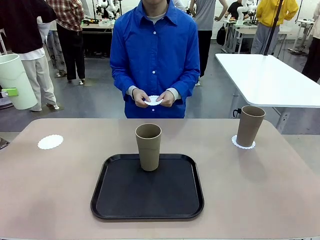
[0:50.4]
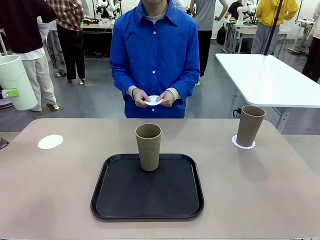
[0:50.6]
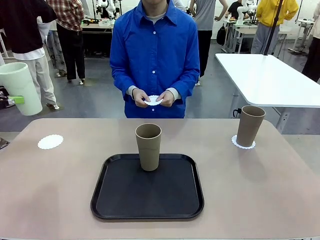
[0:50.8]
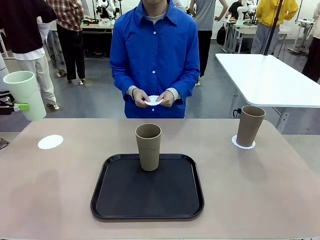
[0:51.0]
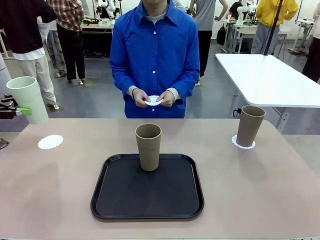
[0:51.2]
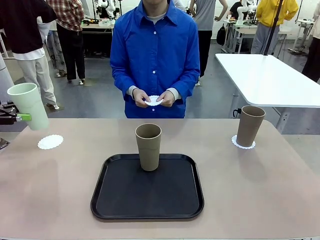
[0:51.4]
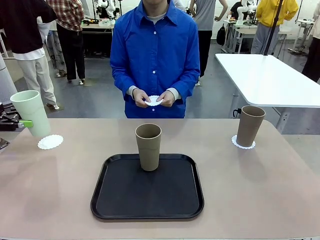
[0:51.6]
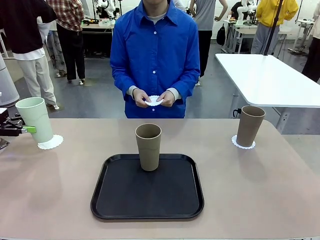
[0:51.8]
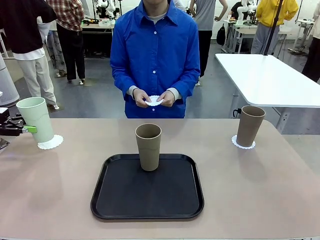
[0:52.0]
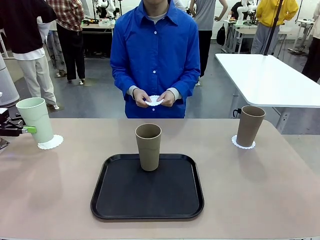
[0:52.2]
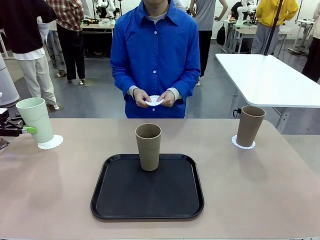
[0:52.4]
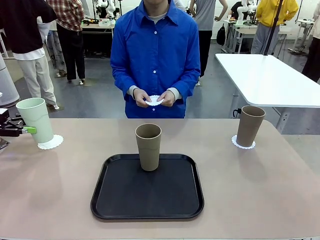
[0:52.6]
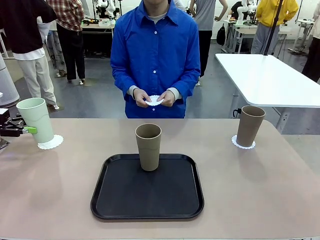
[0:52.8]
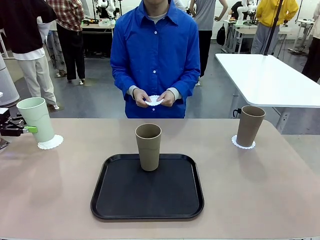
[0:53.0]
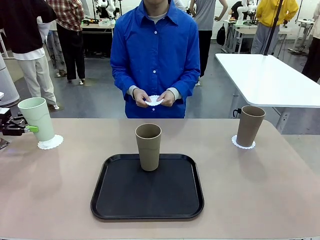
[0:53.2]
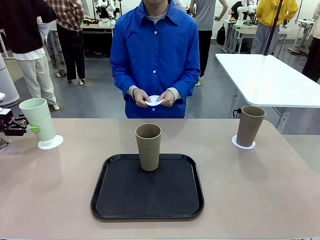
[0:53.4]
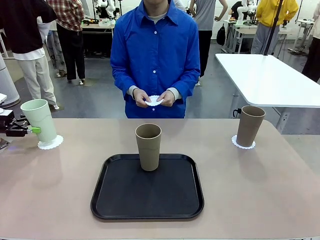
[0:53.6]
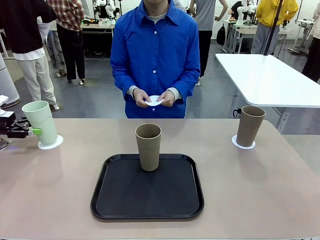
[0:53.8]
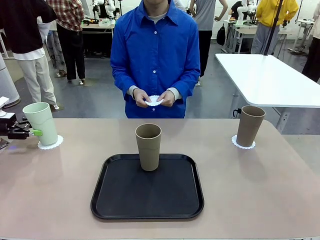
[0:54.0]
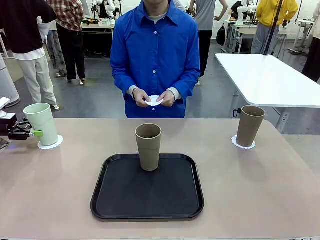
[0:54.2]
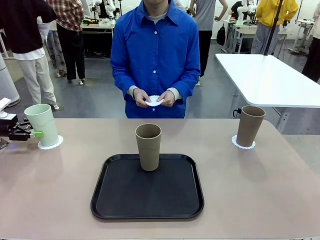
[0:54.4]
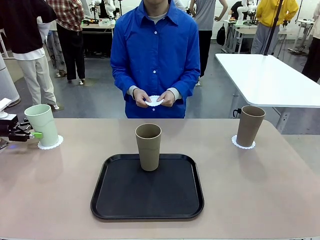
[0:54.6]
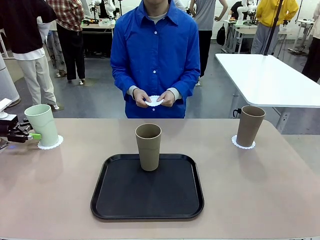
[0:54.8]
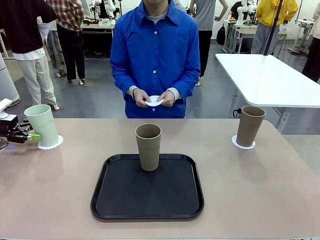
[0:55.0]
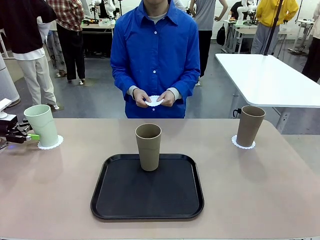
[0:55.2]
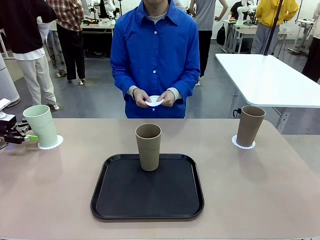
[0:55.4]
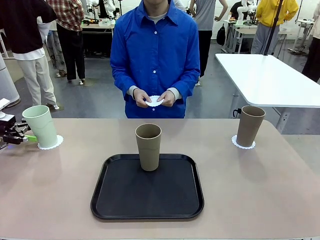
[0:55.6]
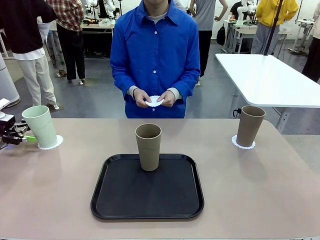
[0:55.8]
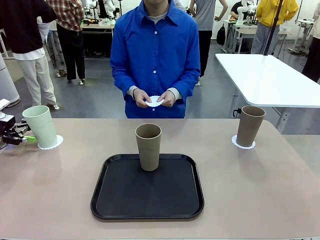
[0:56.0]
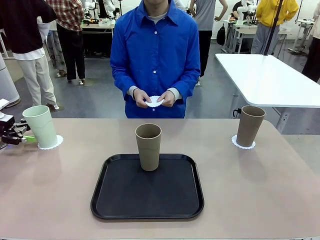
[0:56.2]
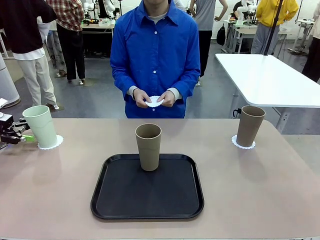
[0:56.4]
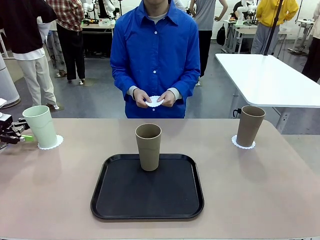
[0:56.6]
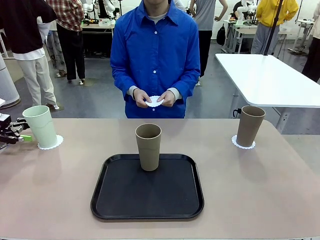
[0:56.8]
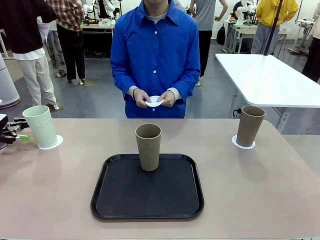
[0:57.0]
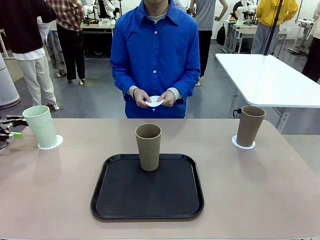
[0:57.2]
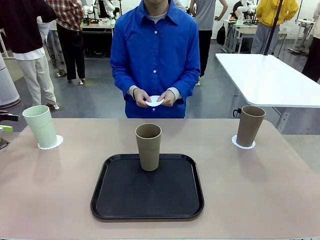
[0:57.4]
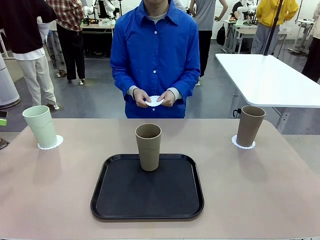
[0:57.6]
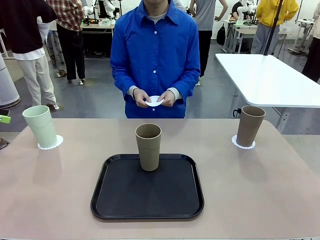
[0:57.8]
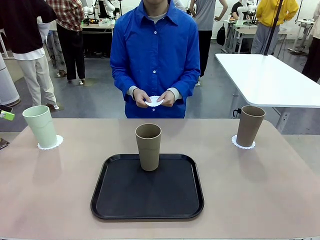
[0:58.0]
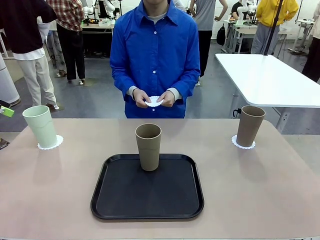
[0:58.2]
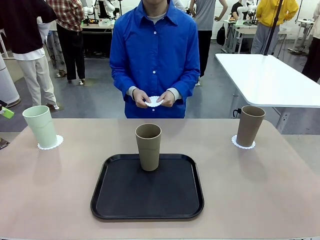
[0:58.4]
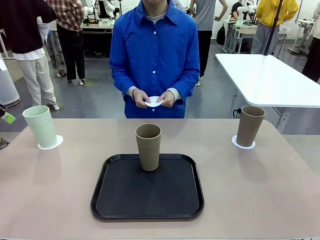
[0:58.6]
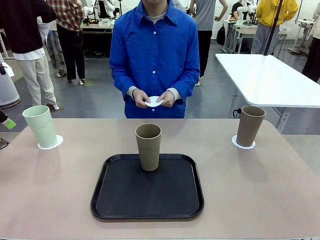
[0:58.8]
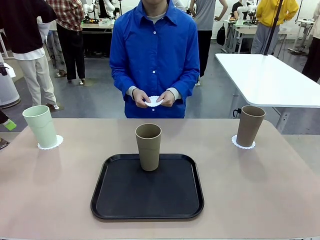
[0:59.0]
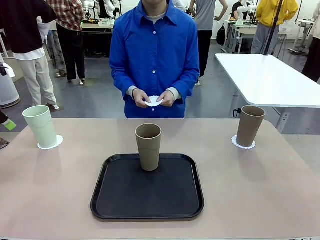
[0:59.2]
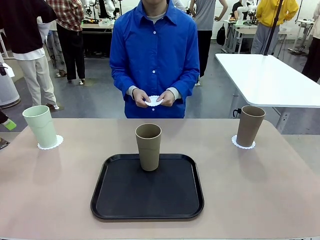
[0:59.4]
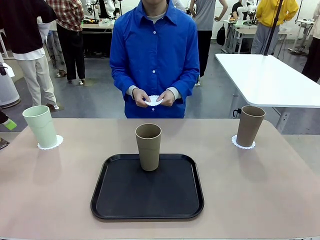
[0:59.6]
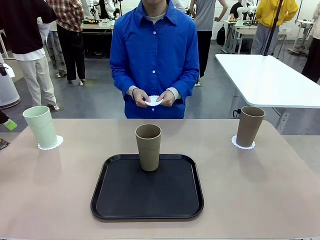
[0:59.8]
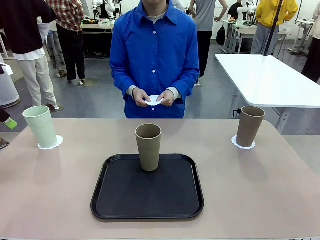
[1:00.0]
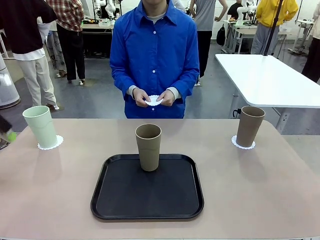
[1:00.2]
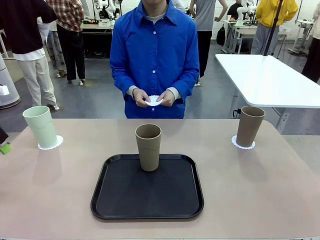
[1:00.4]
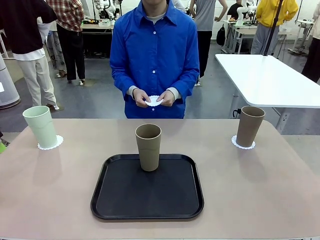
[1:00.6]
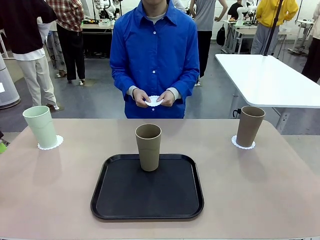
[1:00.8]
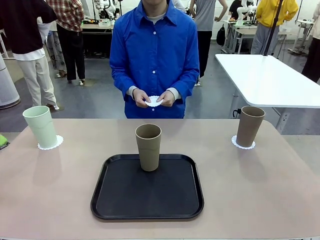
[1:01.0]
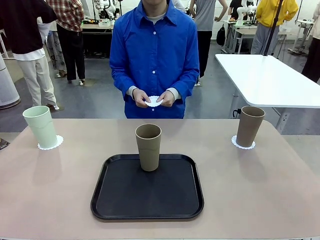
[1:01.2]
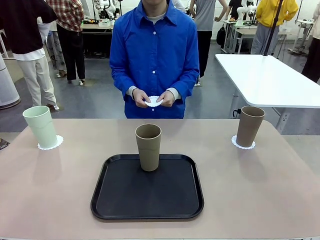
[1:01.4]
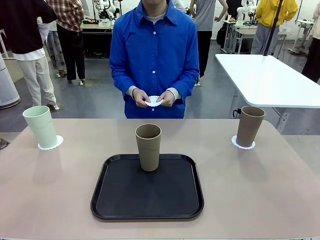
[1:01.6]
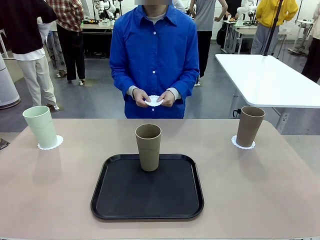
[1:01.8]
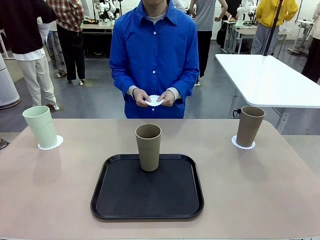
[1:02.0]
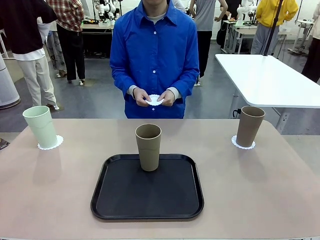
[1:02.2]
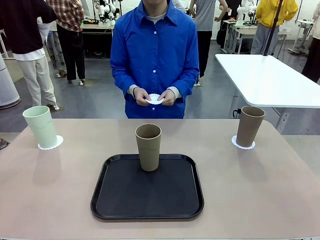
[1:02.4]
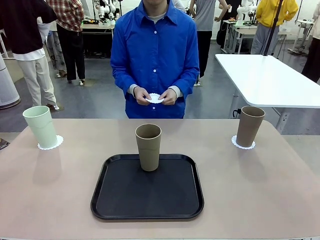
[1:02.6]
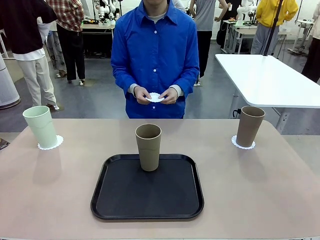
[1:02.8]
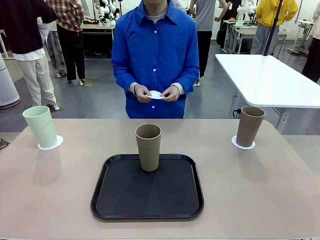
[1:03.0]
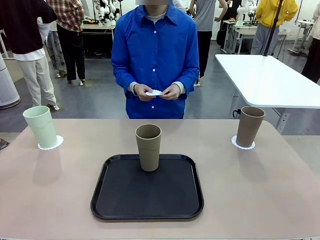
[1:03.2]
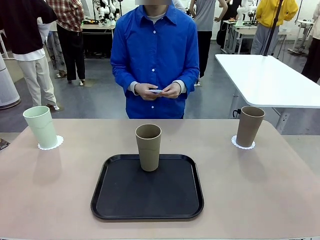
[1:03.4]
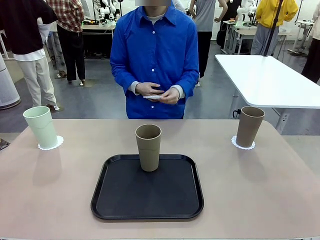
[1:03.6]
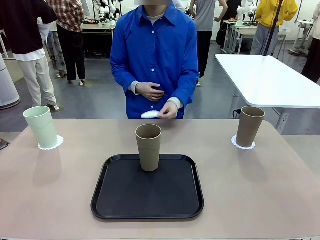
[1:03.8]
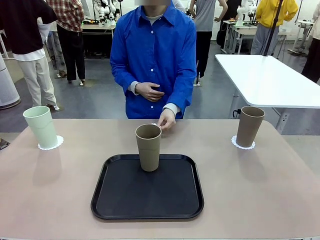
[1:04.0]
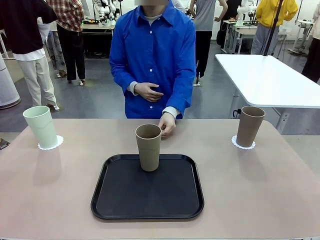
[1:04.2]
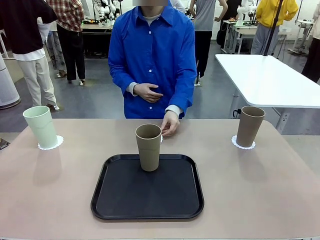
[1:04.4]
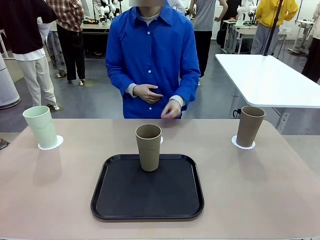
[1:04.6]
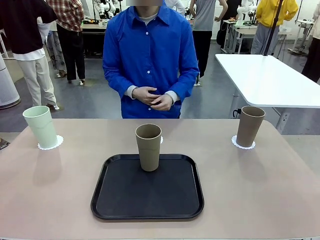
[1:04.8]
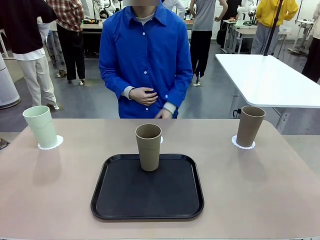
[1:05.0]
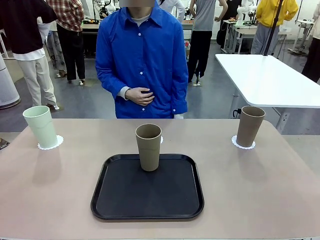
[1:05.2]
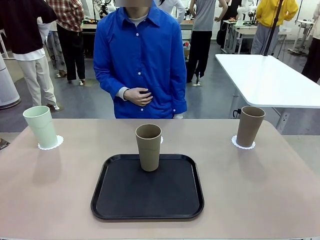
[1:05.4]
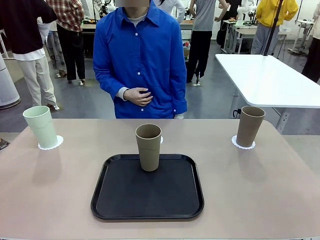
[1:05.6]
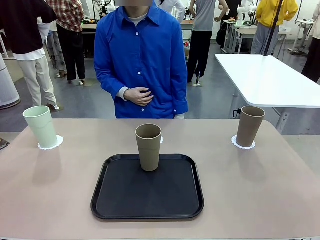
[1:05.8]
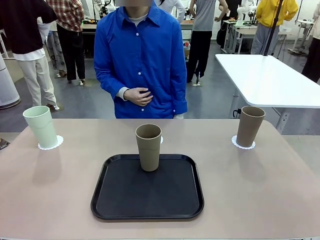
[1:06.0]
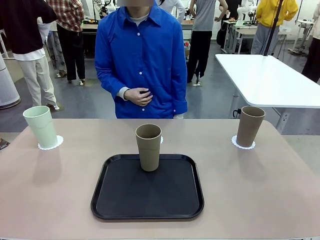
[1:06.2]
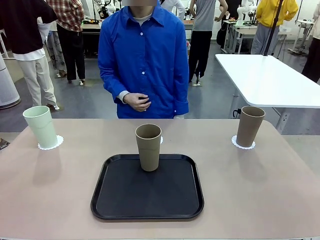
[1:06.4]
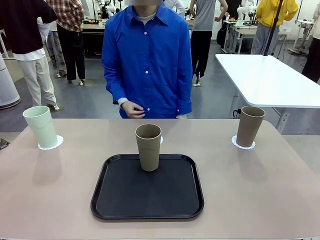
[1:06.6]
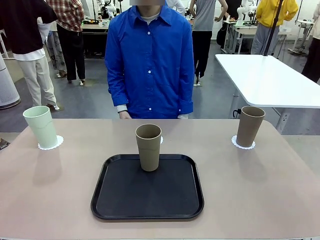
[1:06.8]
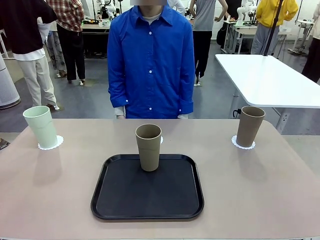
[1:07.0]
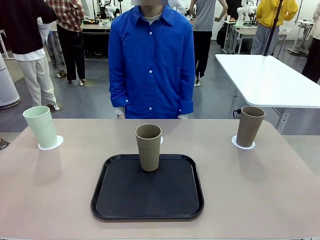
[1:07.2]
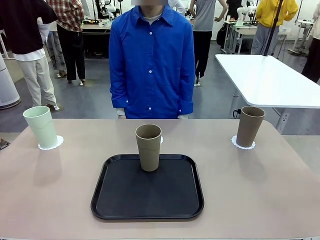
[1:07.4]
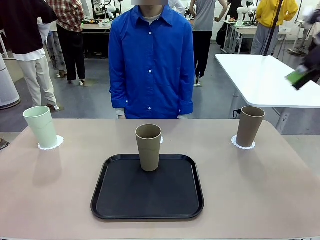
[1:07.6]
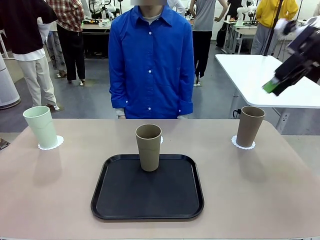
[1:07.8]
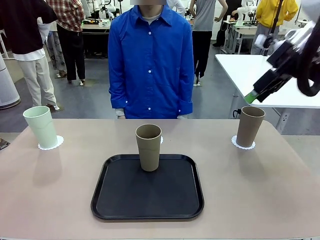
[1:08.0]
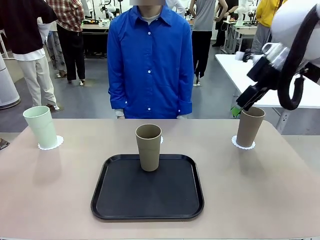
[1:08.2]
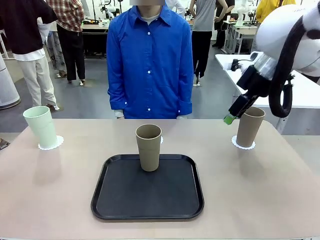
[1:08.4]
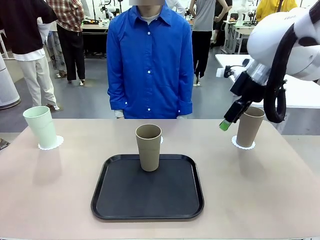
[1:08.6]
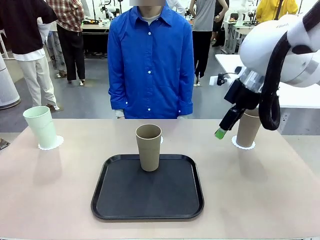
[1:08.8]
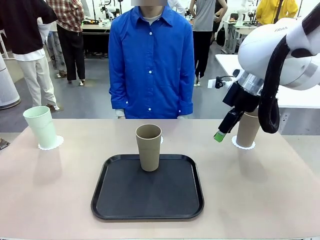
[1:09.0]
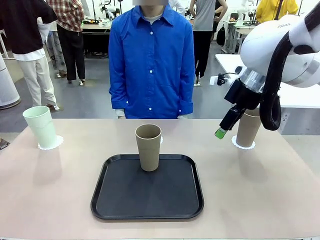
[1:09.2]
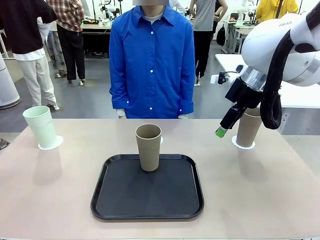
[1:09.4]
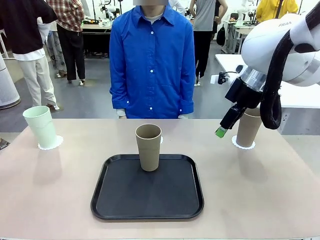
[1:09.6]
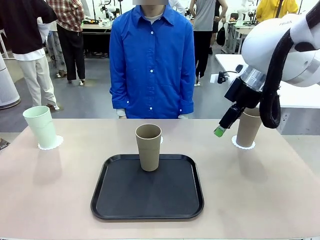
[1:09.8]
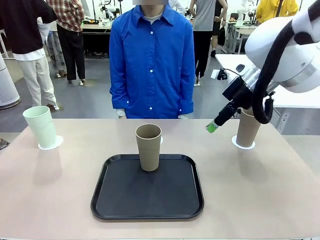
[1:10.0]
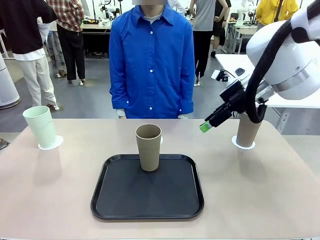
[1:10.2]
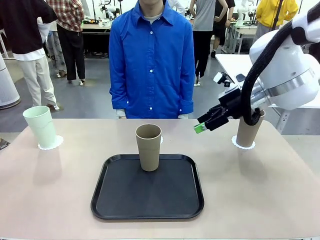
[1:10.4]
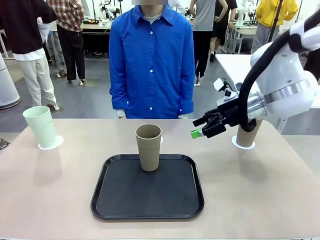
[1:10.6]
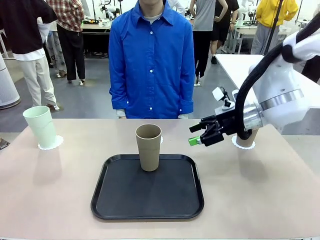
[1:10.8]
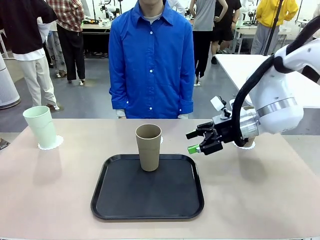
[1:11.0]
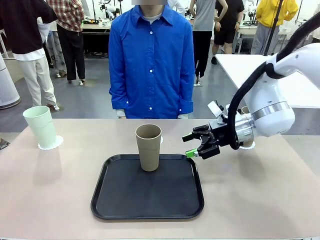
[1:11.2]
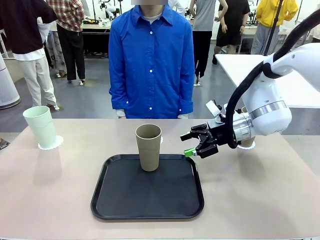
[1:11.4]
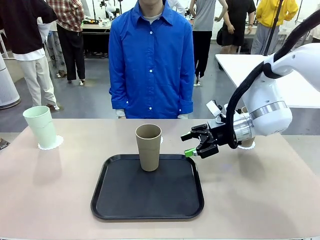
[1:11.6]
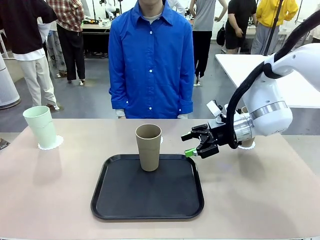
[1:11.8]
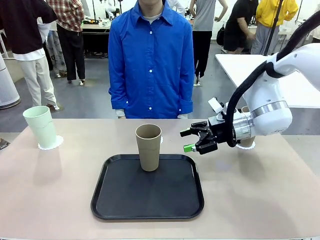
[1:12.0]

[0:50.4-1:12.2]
Task: Place coasters on the table and set cups on them.
Robot: Take one Reusable plastic cup from the Flat Tray and place it on a coaster set by the human.
